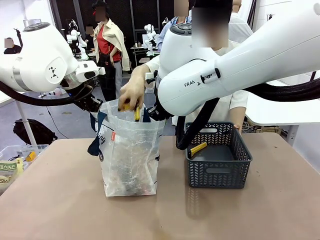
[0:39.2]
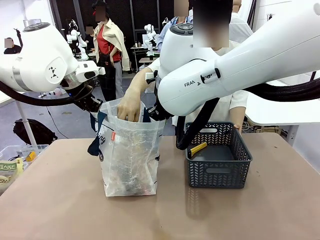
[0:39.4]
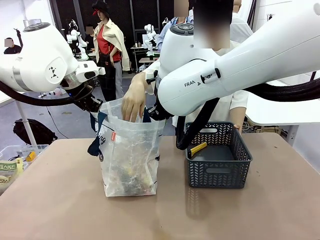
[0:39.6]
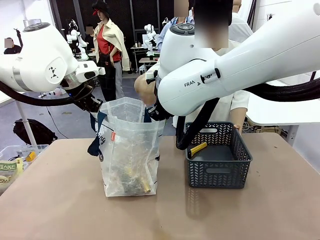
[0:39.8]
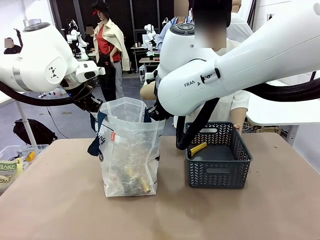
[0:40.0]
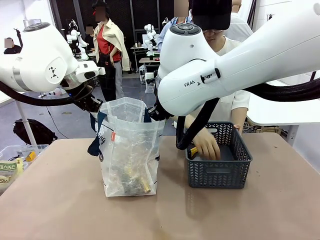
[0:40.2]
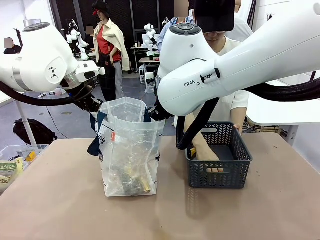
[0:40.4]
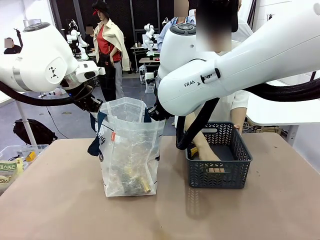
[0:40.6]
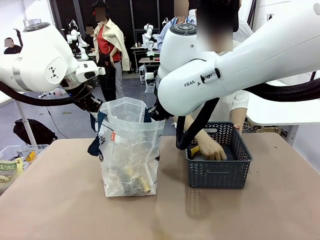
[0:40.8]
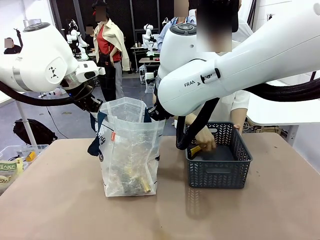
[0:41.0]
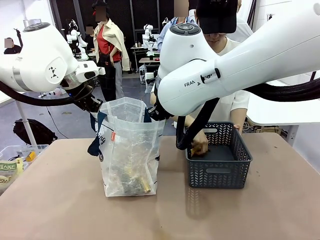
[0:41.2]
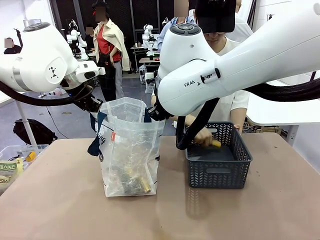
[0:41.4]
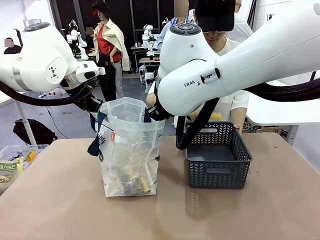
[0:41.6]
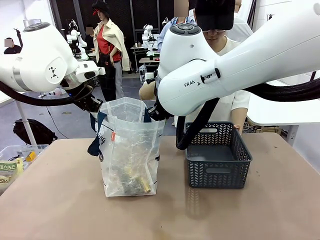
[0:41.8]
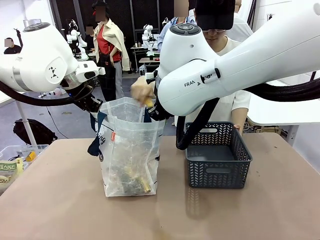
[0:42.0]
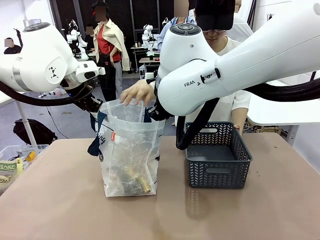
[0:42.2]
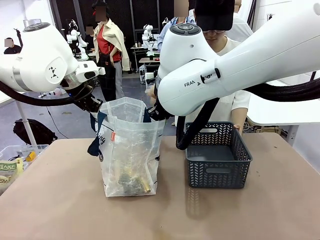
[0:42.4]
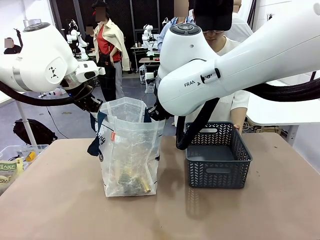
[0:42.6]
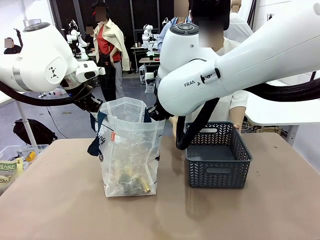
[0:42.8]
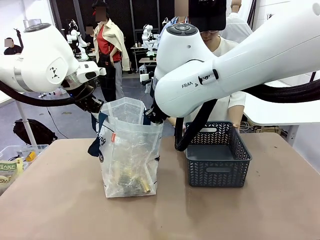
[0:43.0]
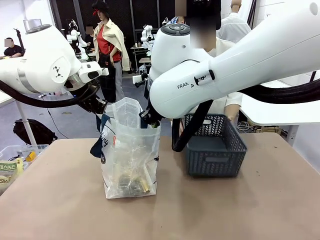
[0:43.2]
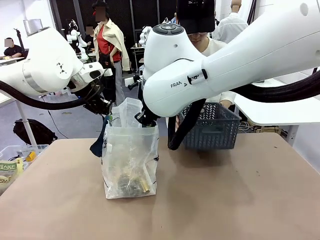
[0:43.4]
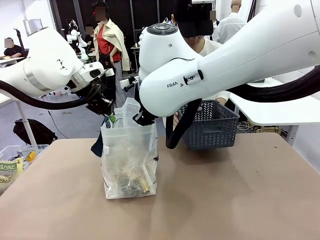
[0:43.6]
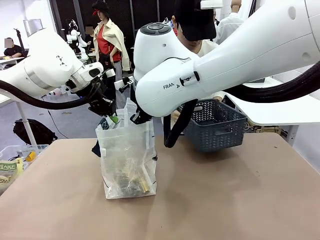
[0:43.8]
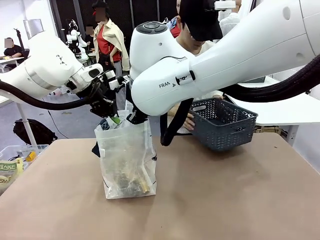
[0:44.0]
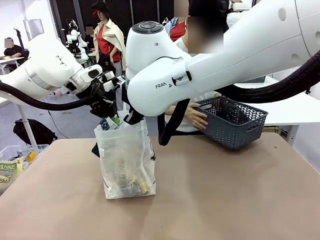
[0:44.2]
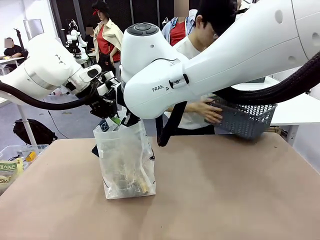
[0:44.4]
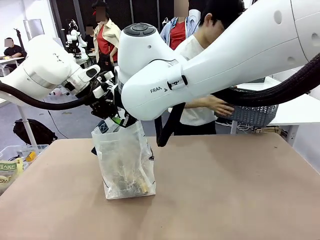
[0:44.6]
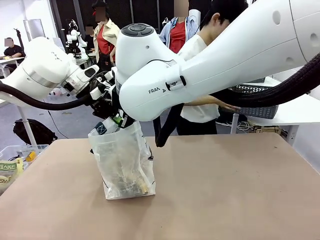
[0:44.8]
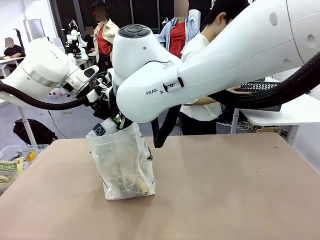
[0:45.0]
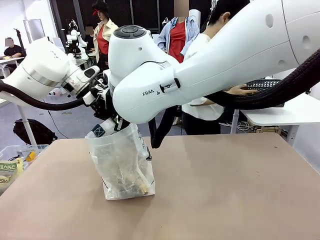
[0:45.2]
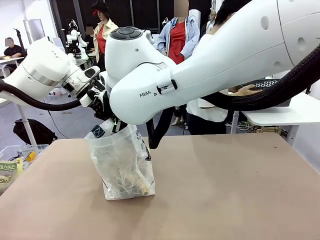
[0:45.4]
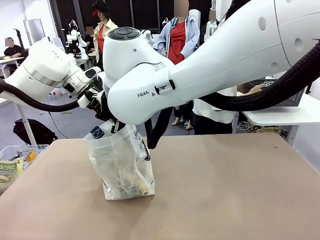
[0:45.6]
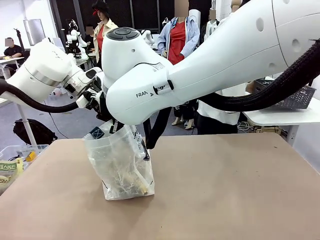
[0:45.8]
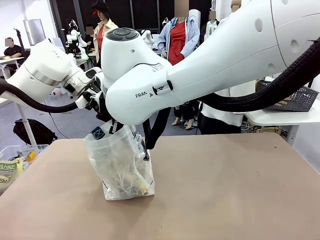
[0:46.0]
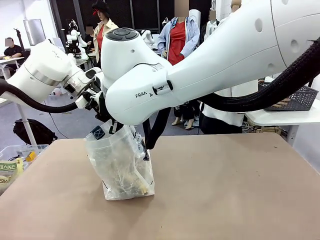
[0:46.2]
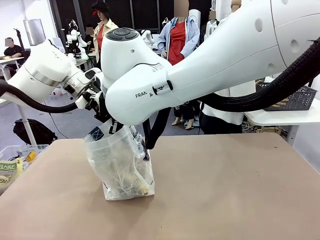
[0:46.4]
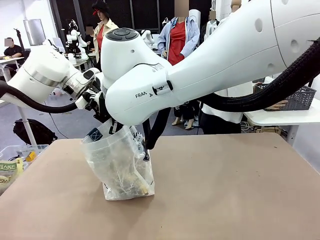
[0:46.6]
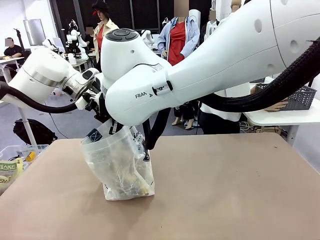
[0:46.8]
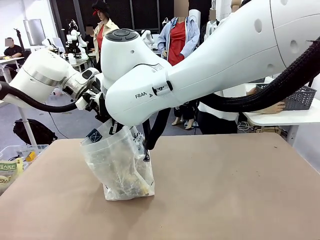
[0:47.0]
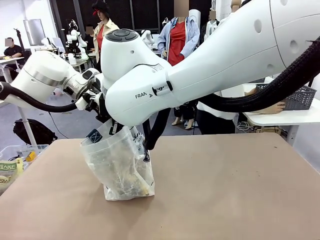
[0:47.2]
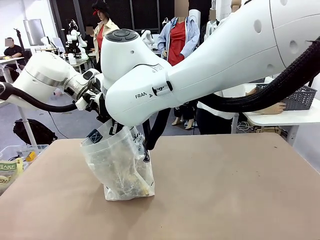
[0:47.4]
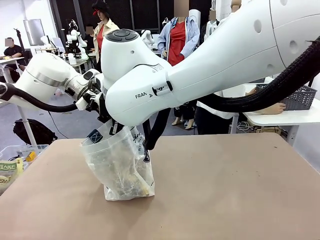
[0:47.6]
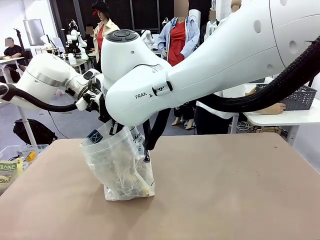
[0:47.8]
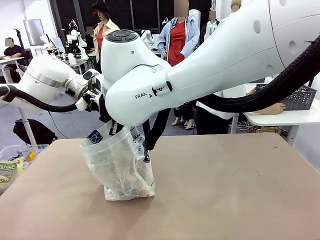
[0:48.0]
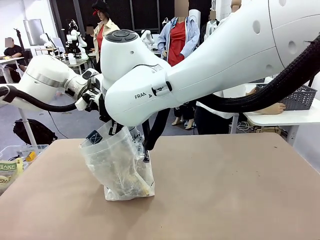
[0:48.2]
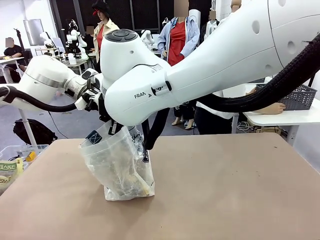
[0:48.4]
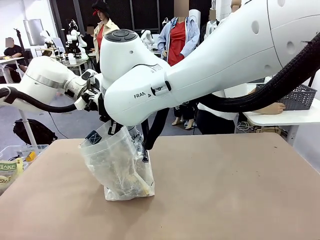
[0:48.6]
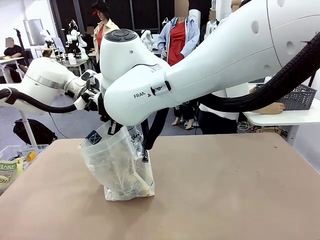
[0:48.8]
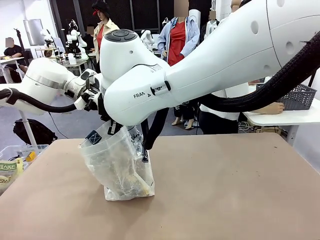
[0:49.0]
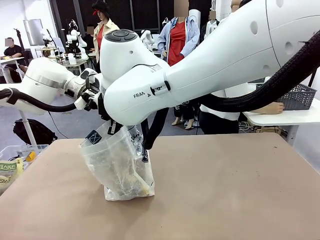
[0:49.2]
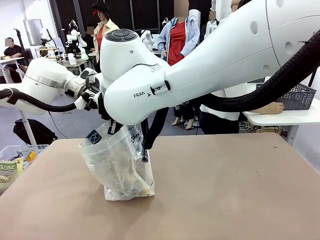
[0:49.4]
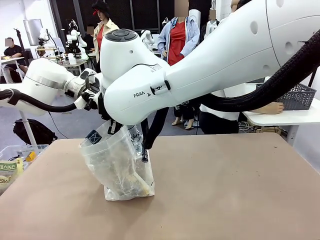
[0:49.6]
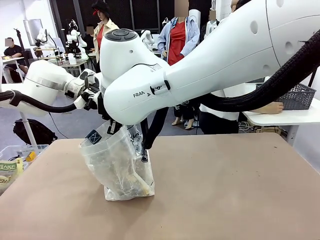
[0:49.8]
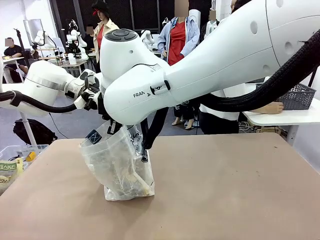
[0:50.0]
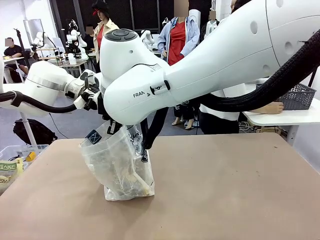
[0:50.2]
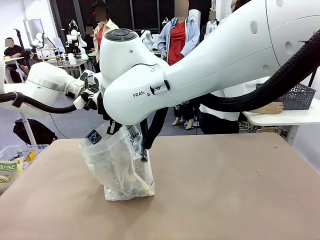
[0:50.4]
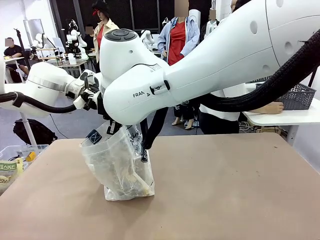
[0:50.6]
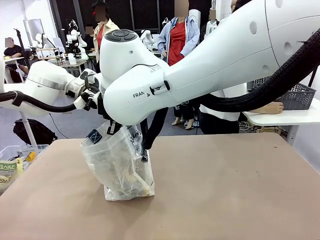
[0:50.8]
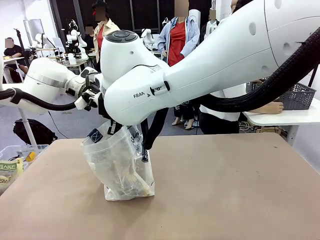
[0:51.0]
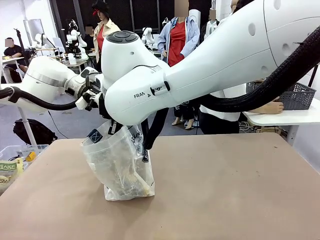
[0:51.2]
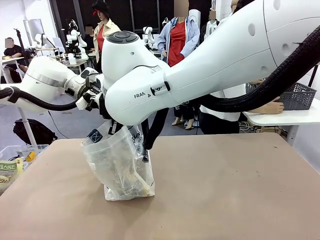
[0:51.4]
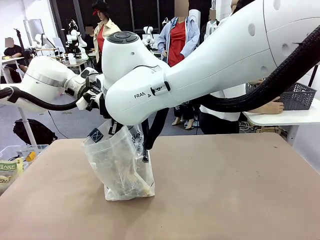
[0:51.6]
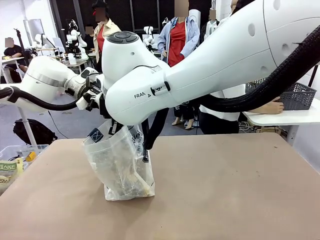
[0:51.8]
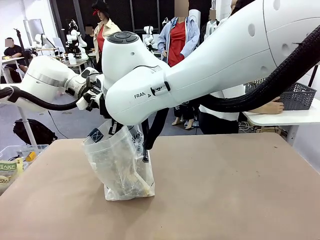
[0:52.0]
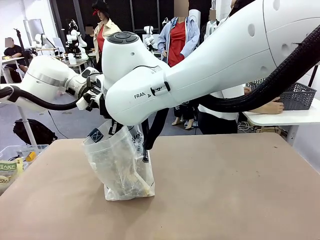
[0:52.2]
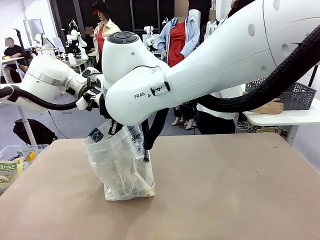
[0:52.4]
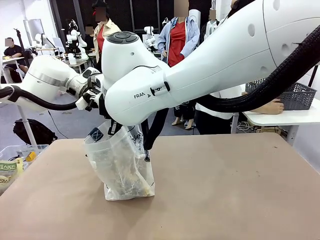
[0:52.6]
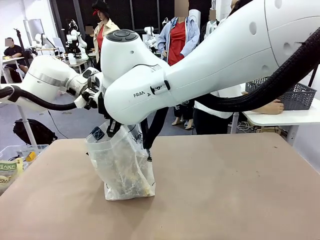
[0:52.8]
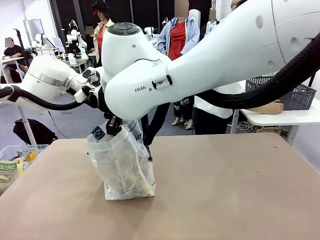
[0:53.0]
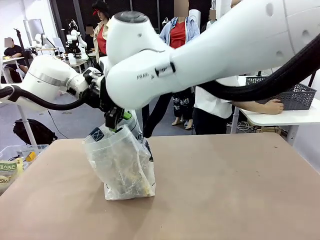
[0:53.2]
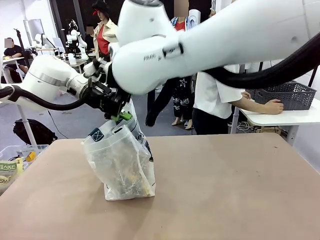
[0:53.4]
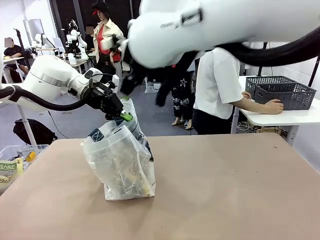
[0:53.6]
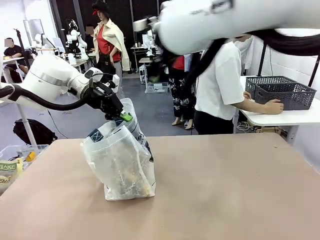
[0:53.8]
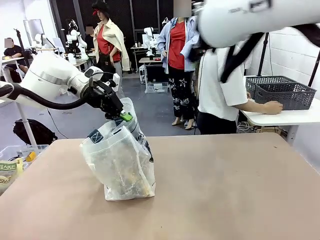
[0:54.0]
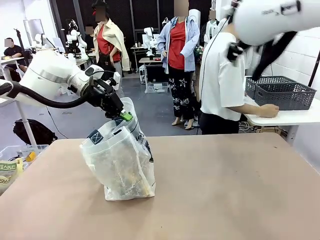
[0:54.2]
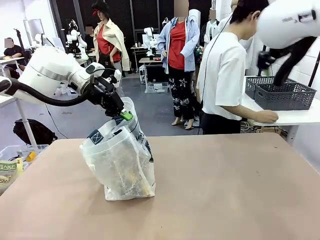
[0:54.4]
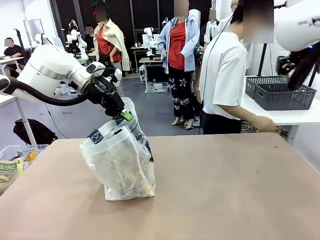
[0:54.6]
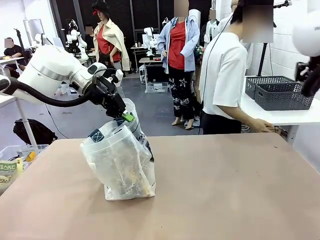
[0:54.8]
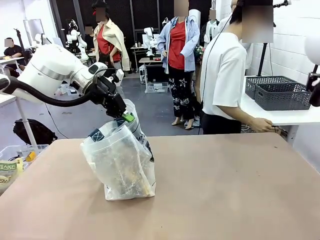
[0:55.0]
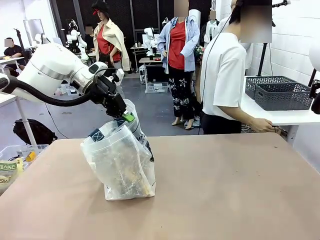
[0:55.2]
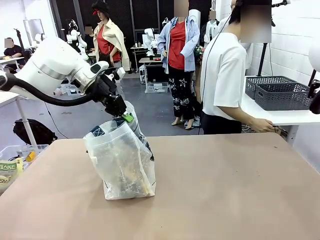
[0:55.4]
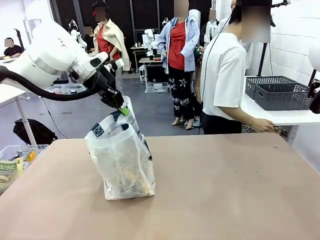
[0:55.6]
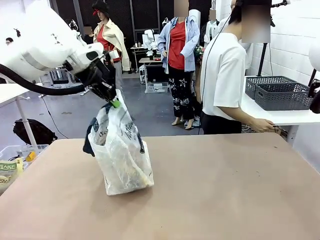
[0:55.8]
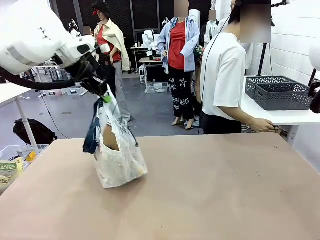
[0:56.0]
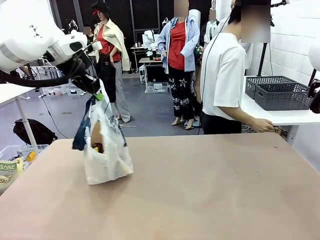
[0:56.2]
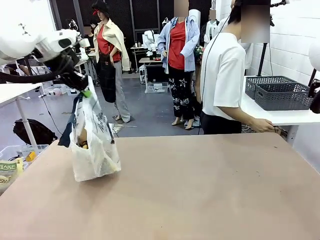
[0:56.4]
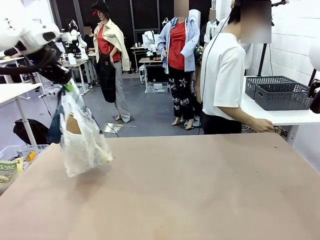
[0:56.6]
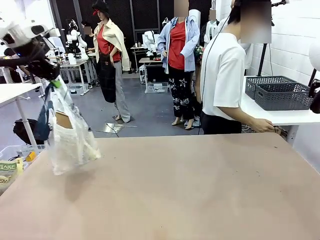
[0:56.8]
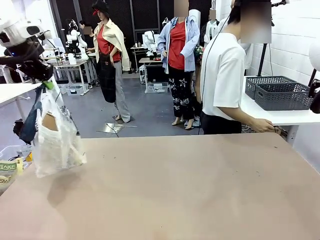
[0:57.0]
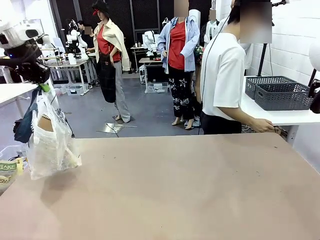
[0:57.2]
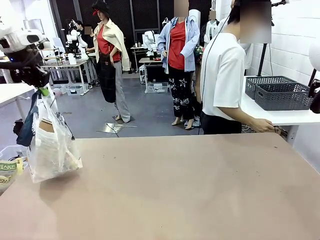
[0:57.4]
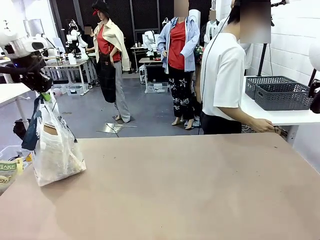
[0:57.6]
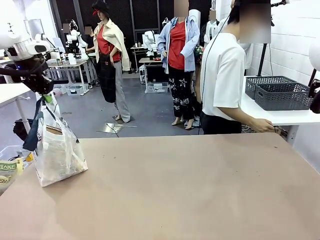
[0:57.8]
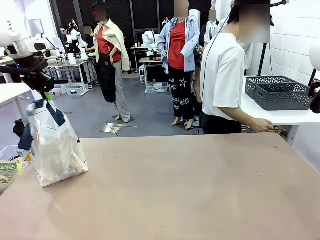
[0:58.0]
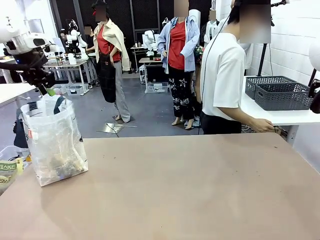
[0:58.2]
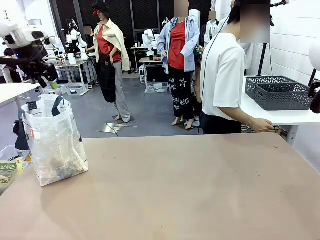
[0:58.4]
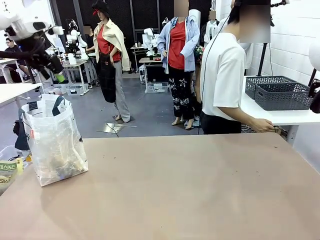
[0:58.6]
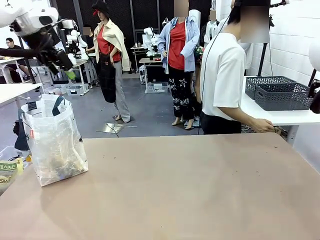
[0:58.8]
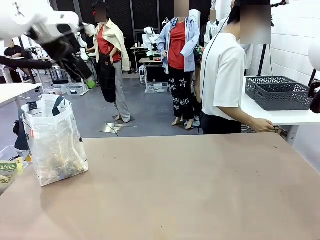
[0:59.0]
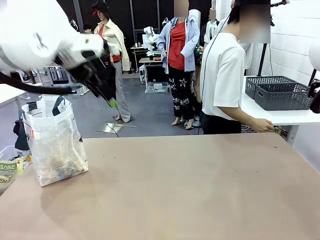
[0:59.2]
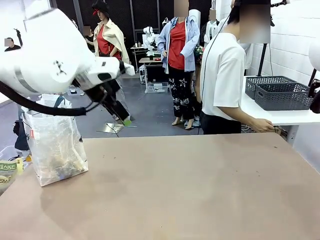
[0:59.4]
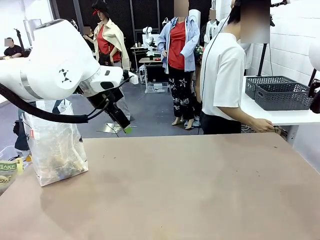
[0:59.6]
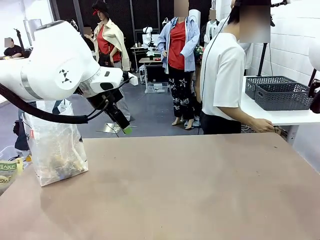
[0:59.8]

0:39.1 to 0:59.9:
Task: Transfer purchased items from the store into the shopping bag.
Robot: Move the Reusable shopping bag to the right side of the table.
Person: Move the basket on the left to the middle of the person's table.
